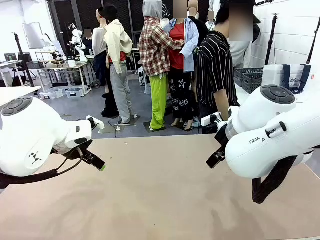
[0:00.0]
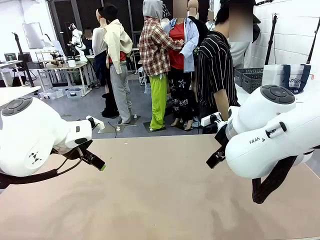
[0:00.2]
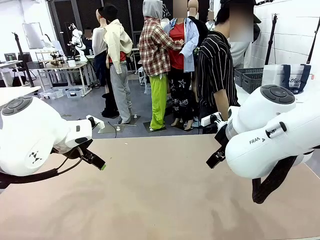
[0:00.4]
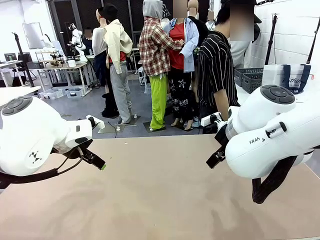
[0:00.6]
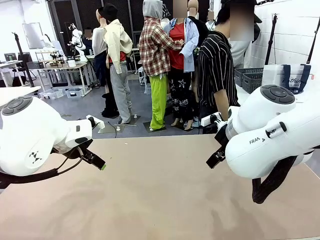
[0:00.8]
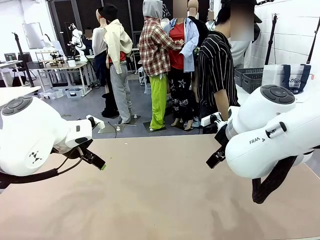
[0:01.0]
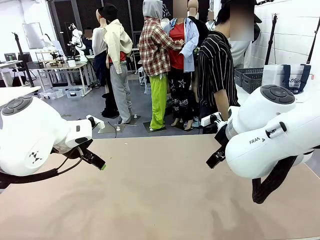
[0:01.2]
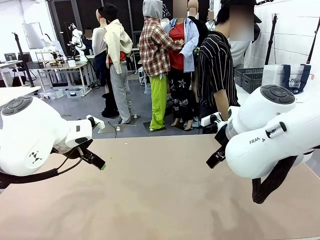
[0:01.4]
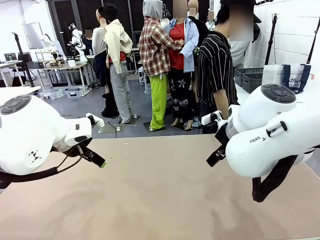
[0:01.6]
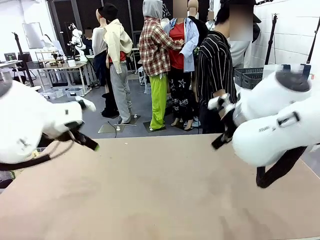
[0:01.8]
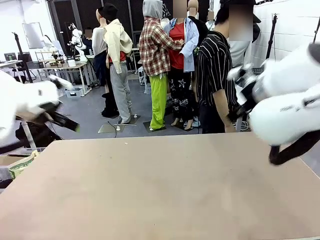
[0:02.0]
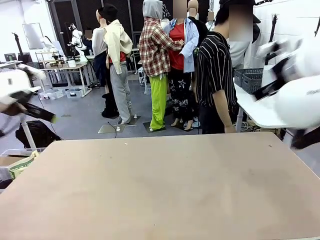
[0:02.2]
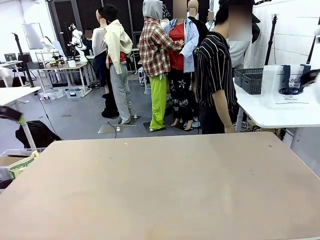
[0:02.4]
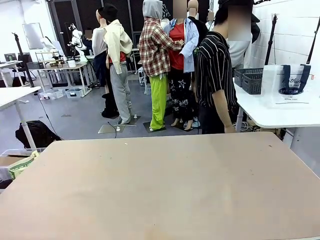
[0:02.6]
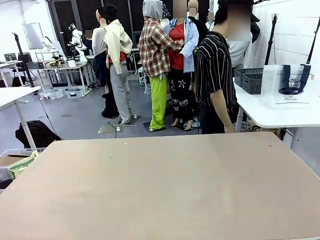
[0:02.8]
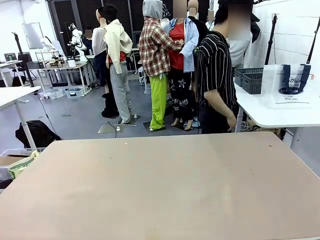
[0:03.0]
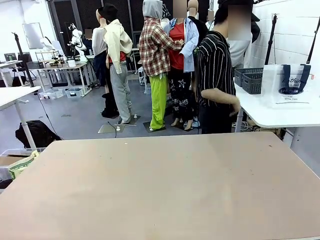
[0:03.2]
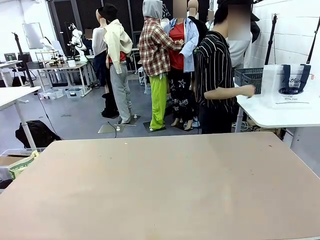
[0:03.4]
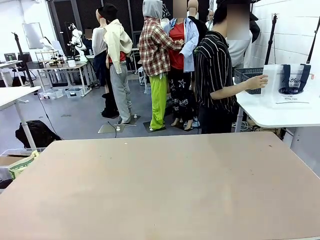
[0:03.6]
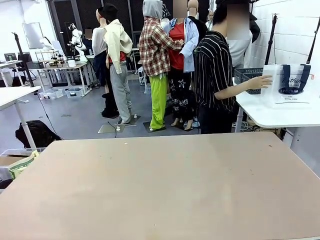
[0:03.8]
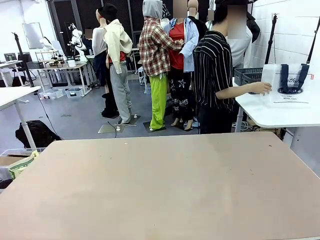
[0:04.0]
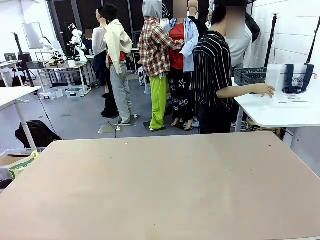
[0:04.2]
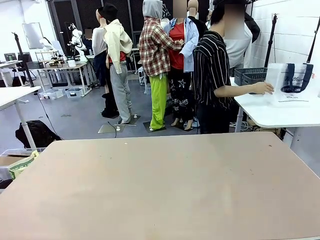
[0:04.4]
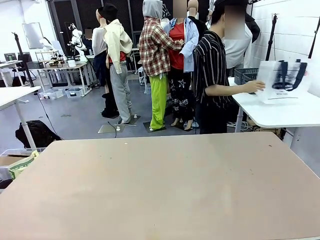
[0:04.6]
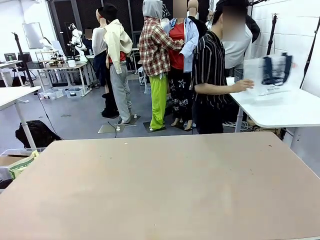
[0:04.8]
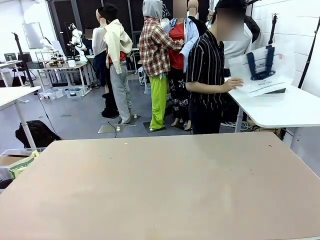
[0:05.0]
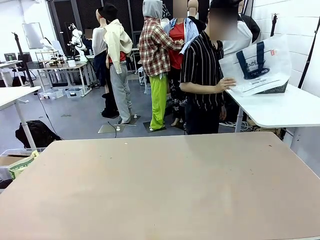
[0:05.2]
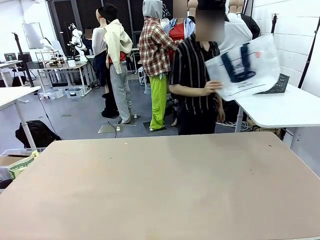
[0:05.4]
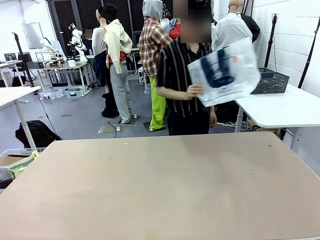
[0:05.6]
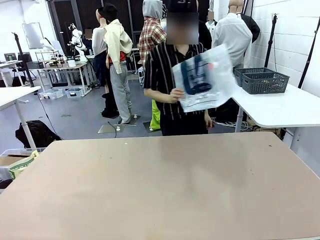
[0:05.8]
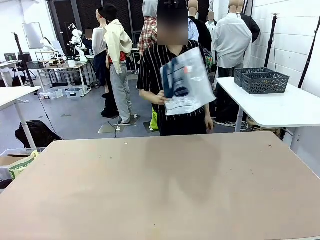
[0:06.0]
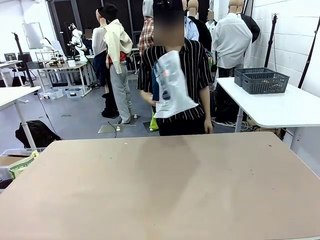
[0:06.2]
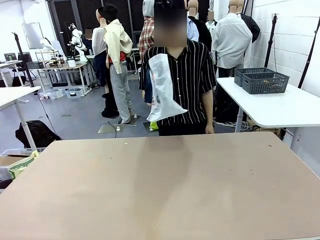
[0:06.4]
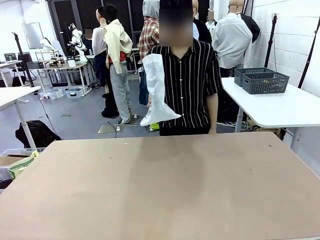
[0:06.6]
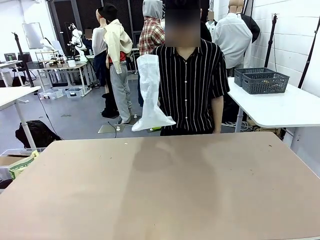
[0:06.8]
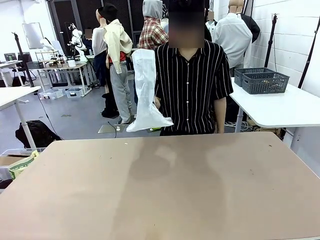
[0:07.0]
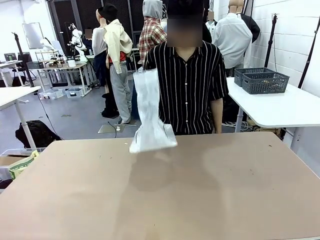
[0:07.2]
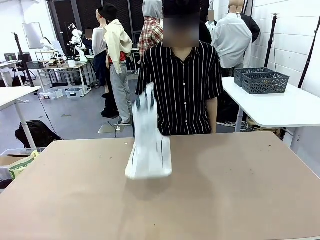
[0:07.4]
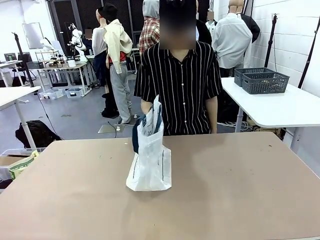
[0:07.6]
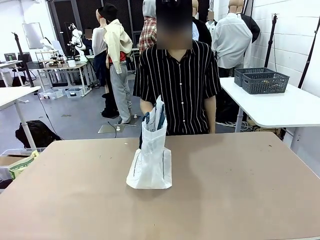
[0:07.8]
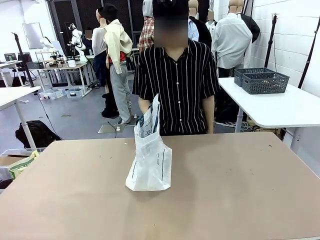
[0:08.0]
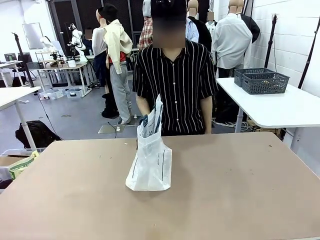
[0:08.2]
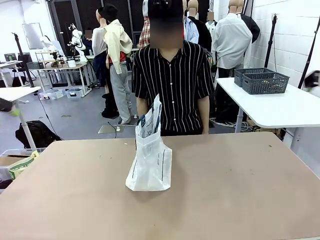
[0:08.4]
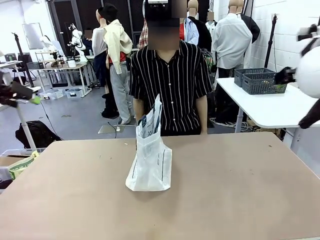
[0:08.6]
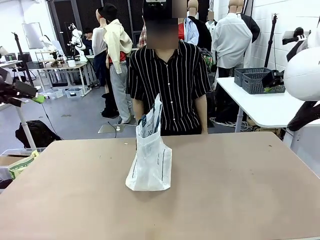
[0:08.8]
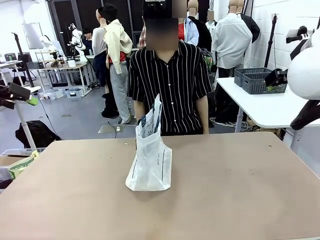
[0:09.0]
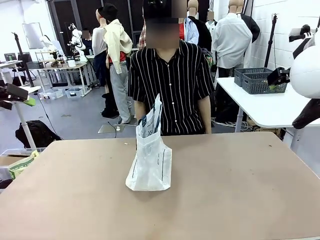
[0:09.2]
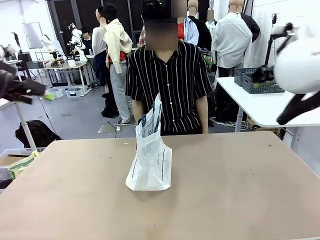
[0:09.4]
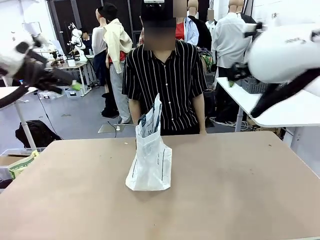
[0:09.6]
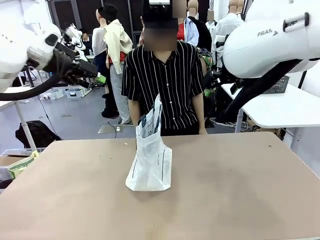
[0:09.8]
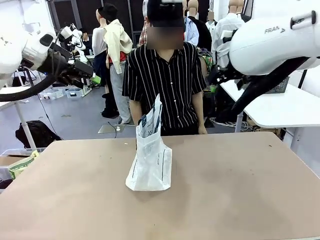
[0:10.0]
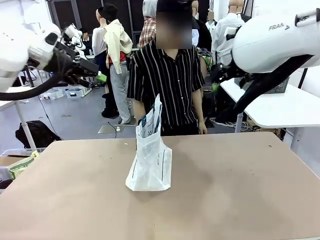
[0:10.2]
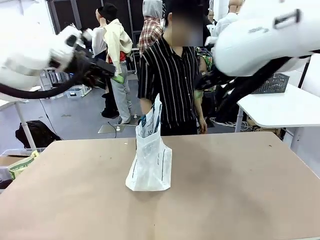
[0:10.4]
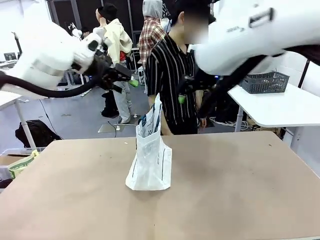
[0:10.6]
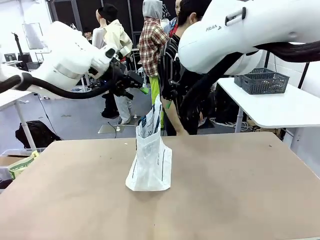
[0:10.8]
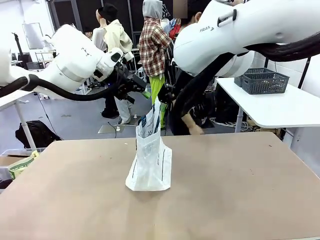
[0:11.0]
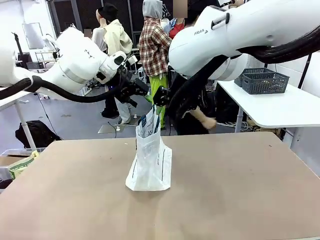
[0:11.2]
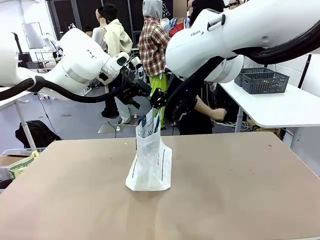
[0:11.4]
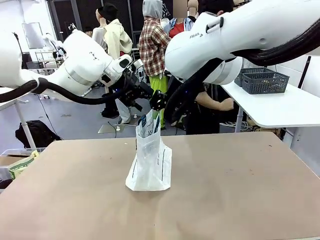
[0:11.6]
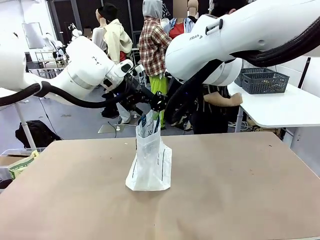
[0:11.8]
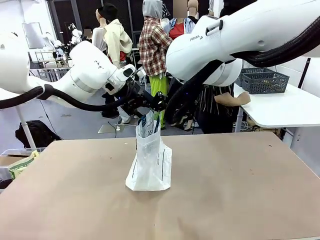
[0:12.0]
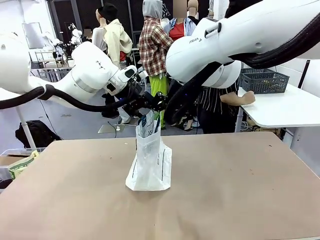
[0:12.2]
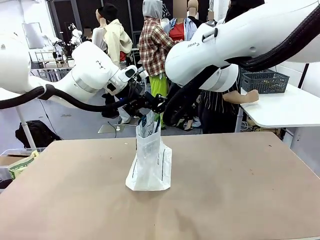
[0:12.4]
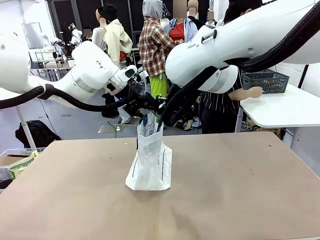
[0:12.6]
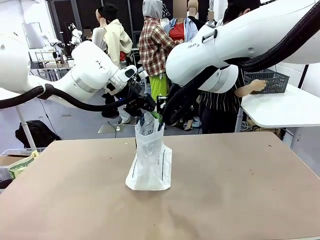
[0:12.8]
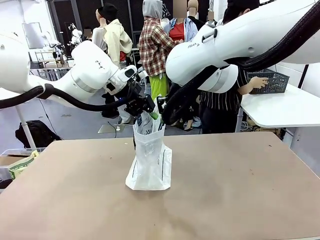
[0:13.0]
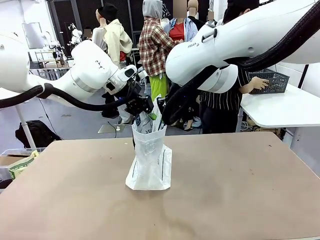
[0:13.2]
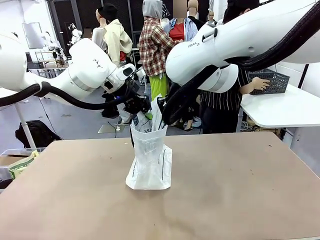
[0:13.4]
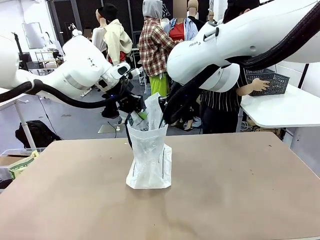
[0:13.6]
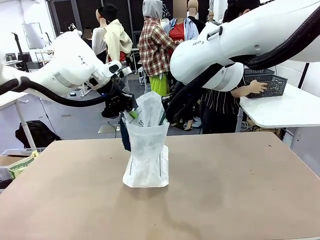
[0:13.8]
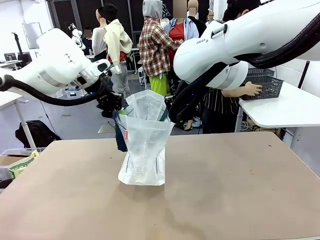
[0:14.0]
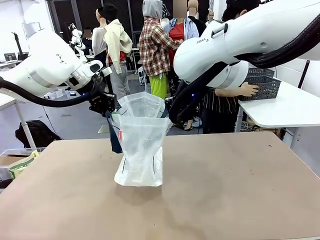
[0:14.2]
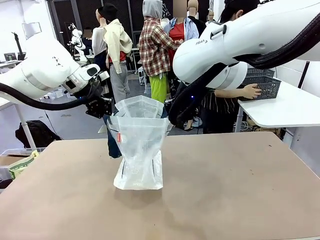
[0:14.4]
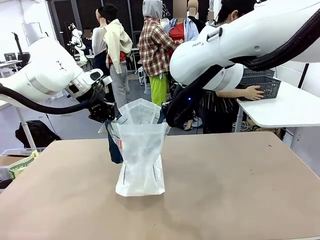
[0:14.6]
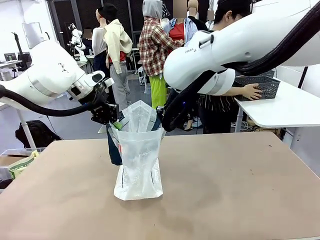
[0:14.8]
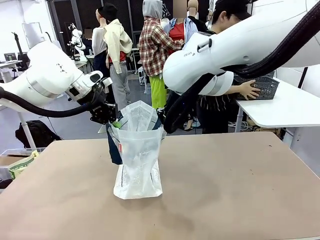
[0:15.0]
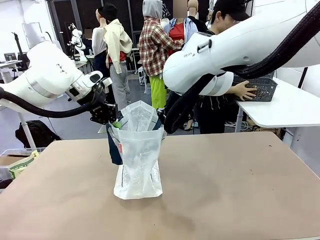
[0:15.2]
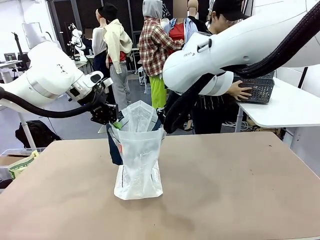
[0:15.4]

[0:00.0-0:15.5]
Task: Transfer purchased items from the store into the shopping bag.
Robot: Open the Reusable shopping bag in the center of the table.
Person: Pick up the shopping bag and place it in the middle of the robot table. Pick up the basket on the right, place it on the left side of the robot table, and move the items in the basket to the shopping bag.
